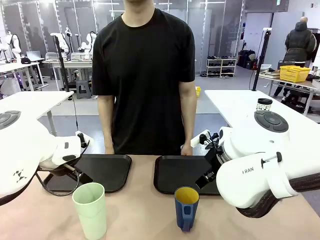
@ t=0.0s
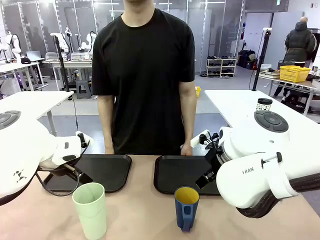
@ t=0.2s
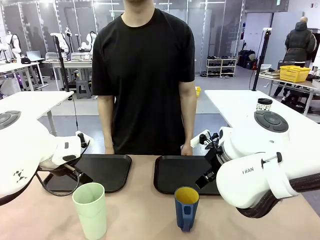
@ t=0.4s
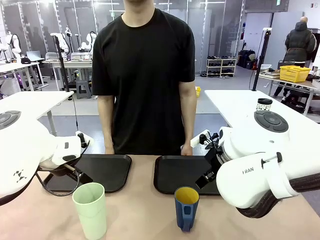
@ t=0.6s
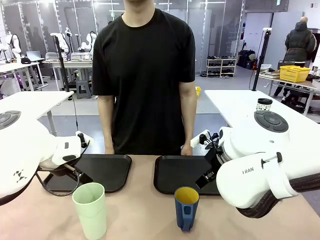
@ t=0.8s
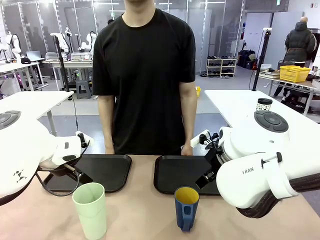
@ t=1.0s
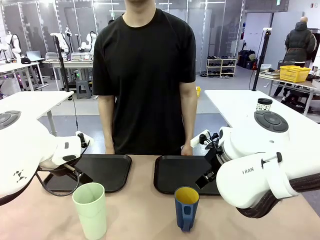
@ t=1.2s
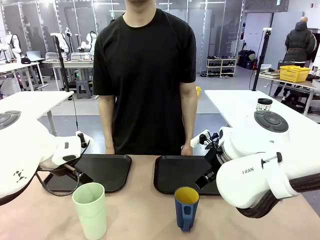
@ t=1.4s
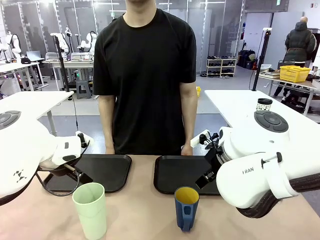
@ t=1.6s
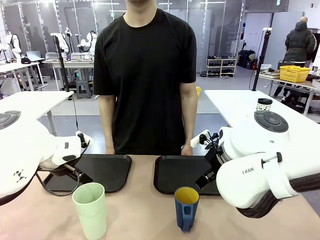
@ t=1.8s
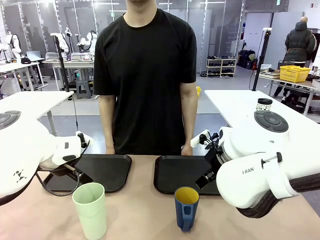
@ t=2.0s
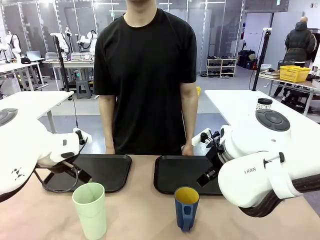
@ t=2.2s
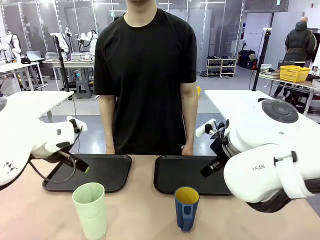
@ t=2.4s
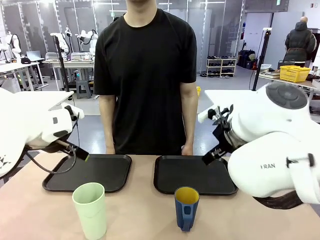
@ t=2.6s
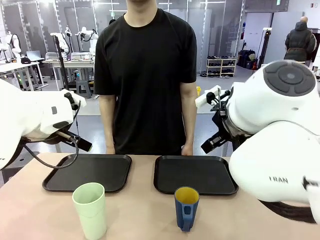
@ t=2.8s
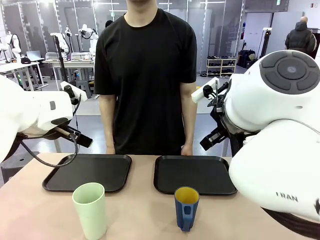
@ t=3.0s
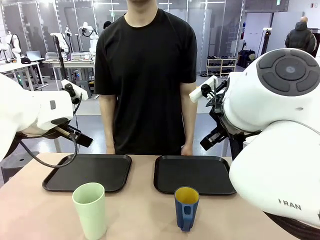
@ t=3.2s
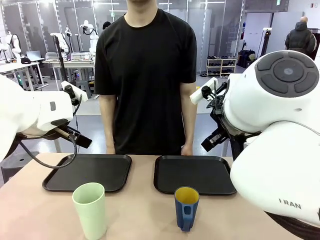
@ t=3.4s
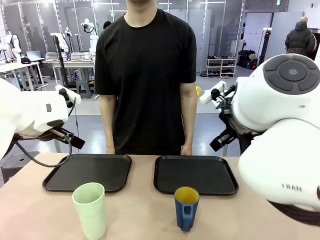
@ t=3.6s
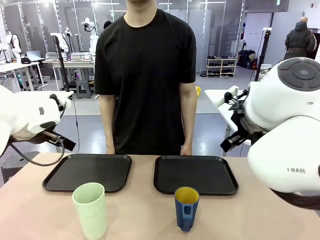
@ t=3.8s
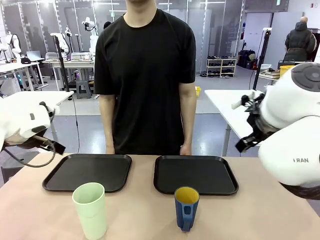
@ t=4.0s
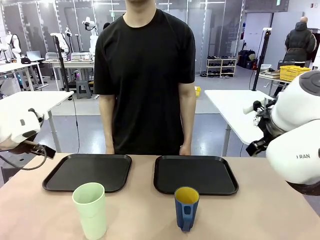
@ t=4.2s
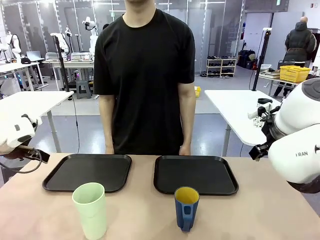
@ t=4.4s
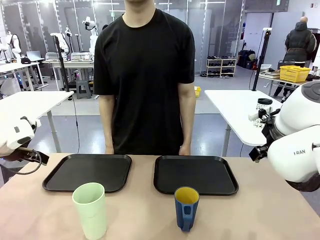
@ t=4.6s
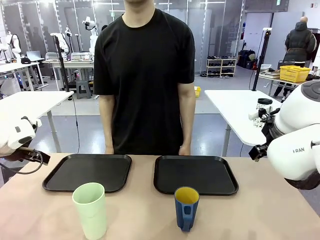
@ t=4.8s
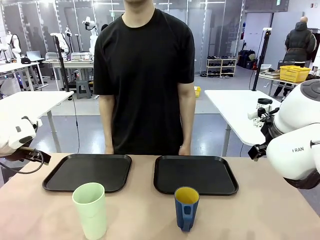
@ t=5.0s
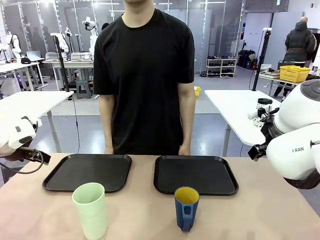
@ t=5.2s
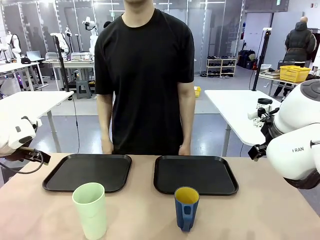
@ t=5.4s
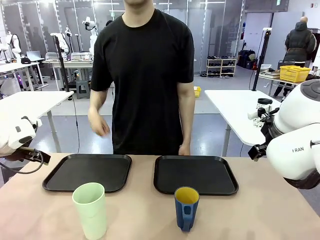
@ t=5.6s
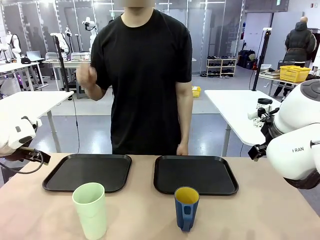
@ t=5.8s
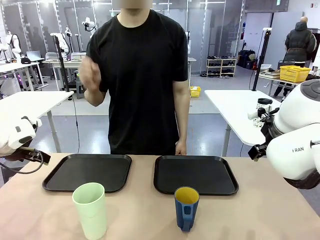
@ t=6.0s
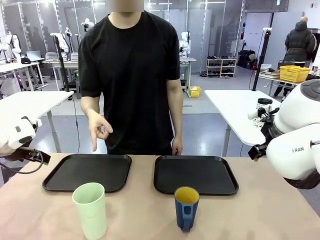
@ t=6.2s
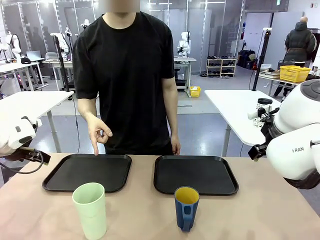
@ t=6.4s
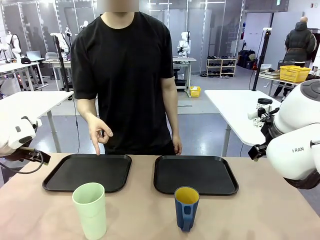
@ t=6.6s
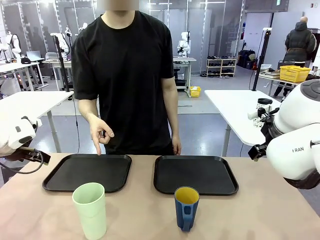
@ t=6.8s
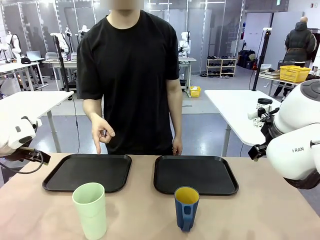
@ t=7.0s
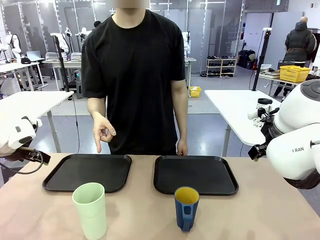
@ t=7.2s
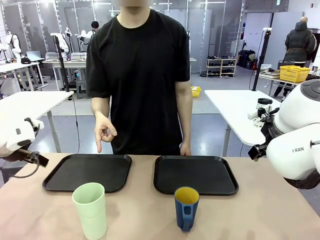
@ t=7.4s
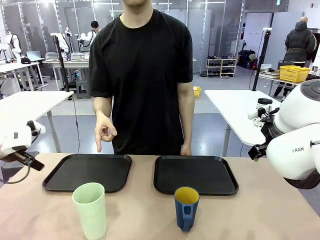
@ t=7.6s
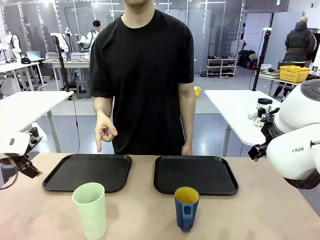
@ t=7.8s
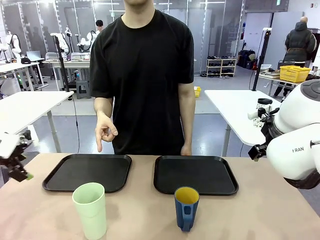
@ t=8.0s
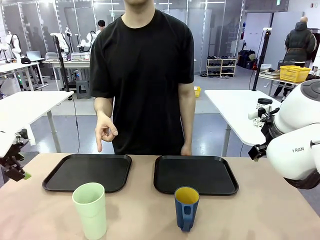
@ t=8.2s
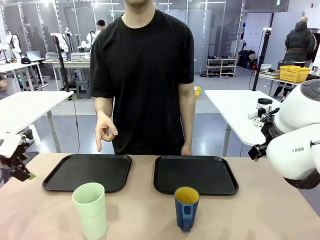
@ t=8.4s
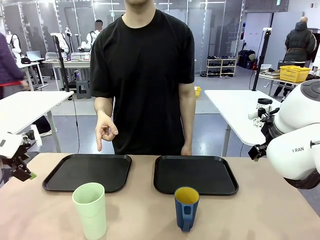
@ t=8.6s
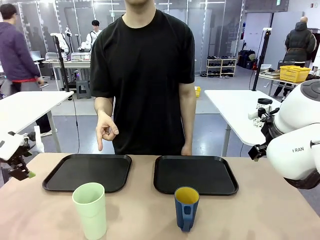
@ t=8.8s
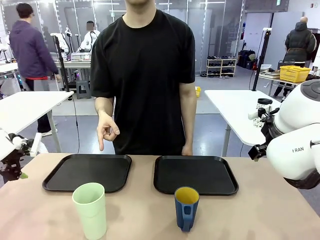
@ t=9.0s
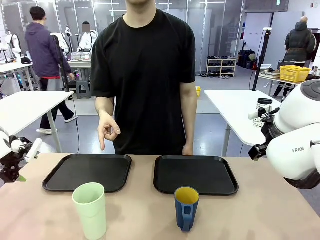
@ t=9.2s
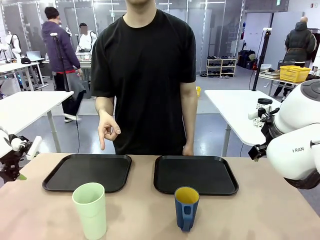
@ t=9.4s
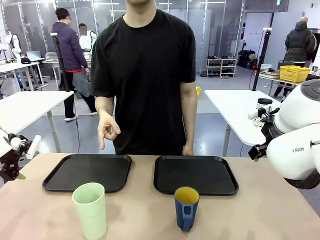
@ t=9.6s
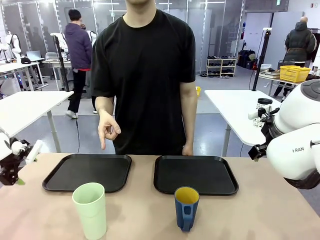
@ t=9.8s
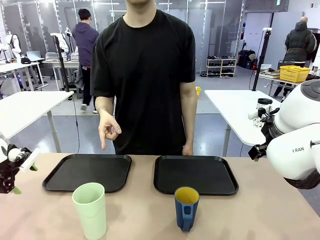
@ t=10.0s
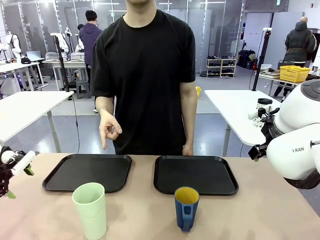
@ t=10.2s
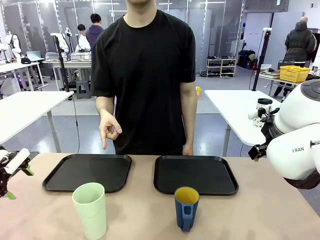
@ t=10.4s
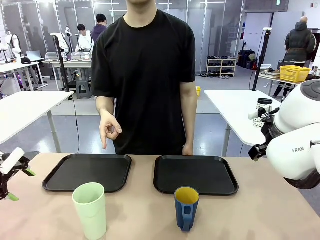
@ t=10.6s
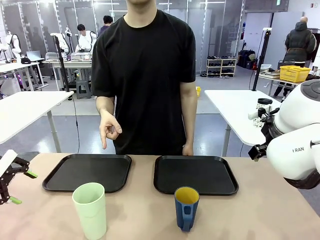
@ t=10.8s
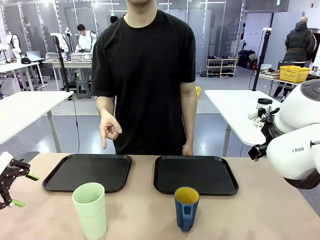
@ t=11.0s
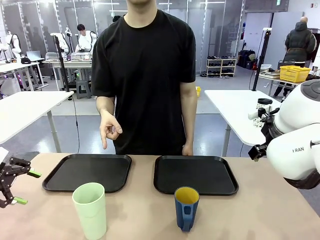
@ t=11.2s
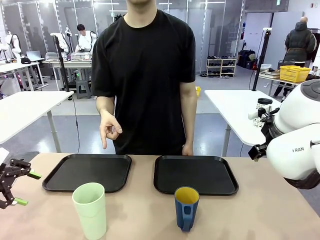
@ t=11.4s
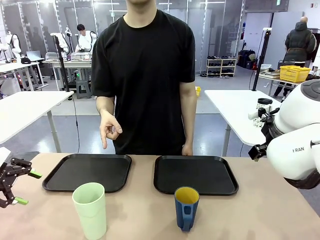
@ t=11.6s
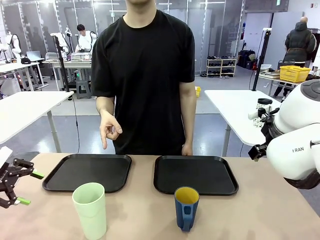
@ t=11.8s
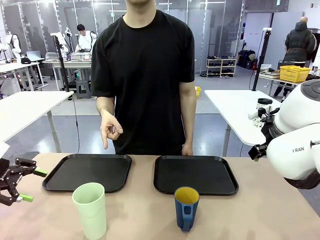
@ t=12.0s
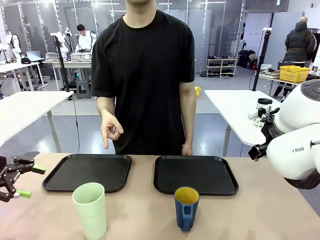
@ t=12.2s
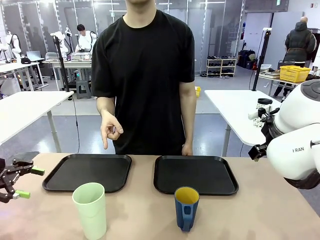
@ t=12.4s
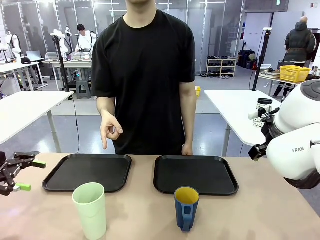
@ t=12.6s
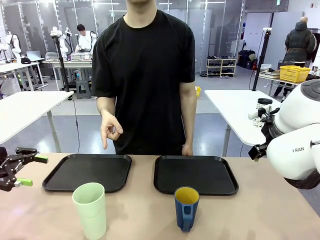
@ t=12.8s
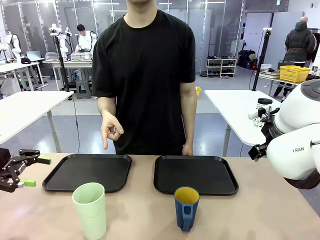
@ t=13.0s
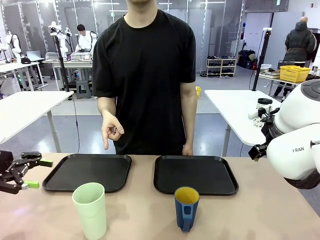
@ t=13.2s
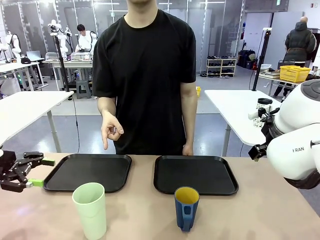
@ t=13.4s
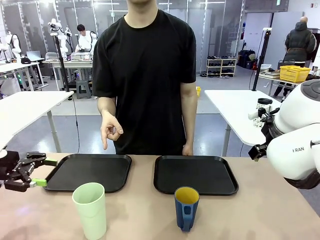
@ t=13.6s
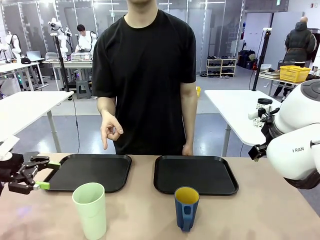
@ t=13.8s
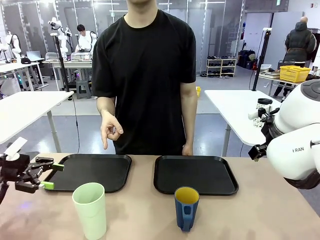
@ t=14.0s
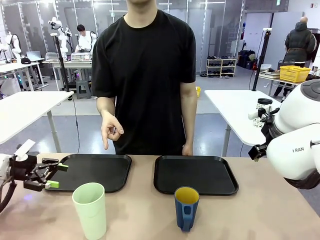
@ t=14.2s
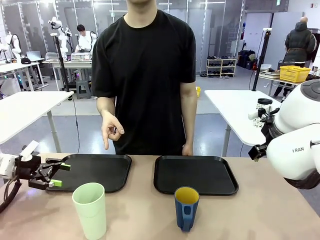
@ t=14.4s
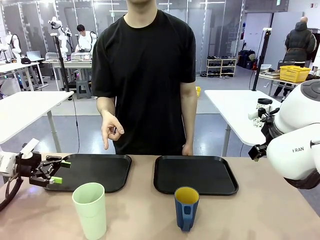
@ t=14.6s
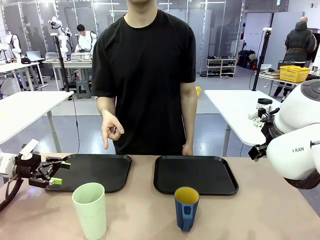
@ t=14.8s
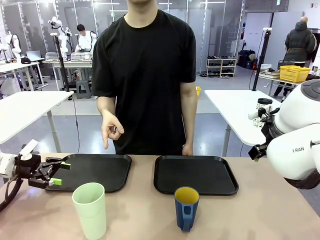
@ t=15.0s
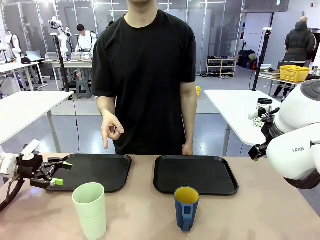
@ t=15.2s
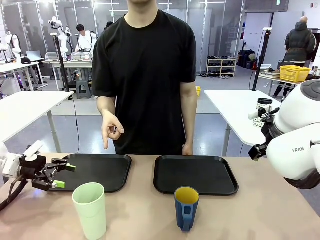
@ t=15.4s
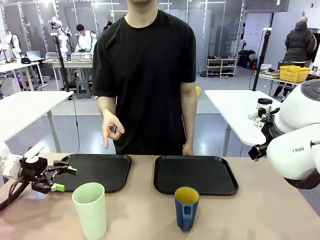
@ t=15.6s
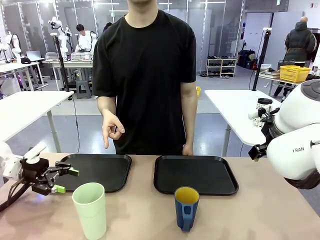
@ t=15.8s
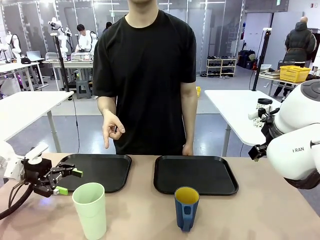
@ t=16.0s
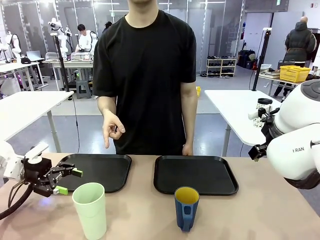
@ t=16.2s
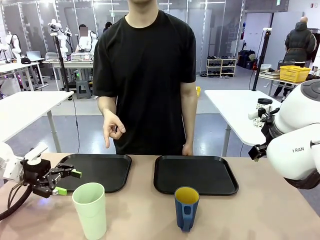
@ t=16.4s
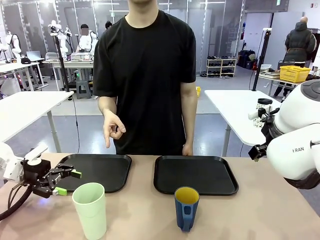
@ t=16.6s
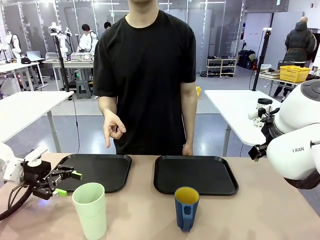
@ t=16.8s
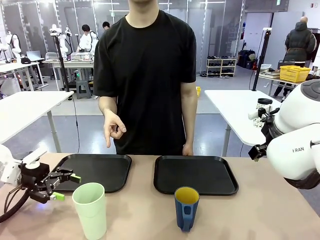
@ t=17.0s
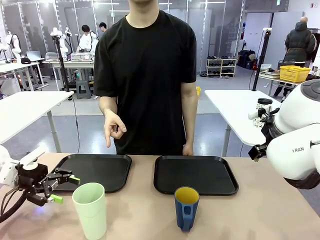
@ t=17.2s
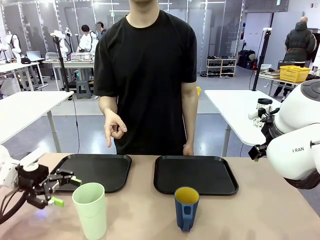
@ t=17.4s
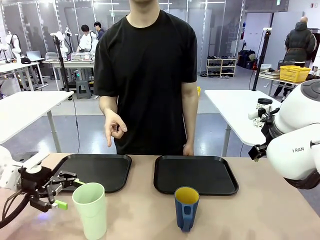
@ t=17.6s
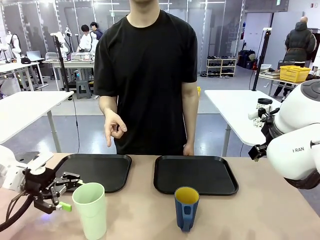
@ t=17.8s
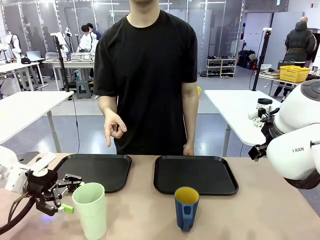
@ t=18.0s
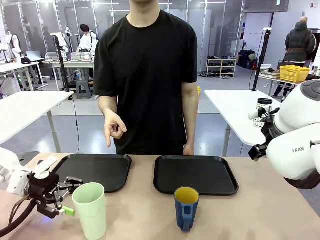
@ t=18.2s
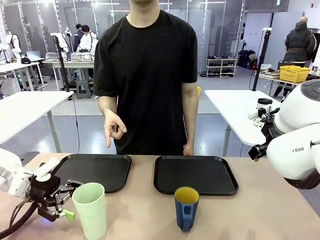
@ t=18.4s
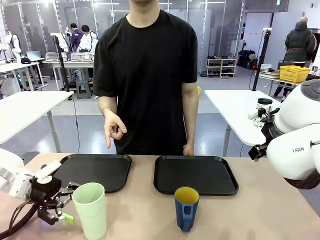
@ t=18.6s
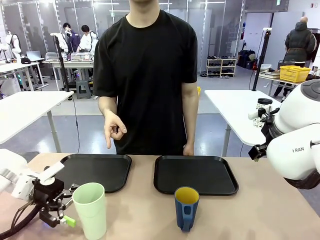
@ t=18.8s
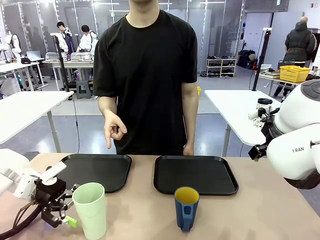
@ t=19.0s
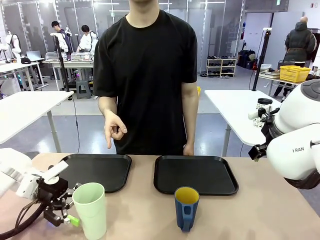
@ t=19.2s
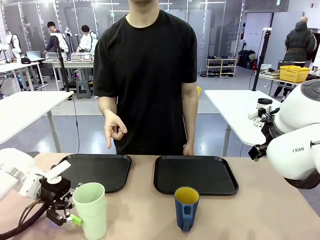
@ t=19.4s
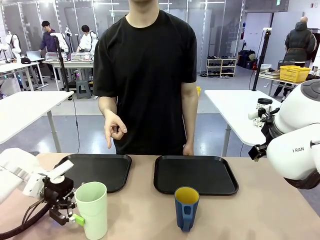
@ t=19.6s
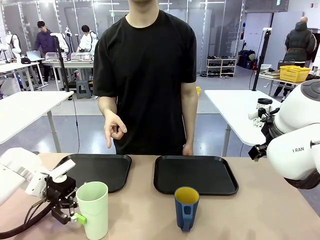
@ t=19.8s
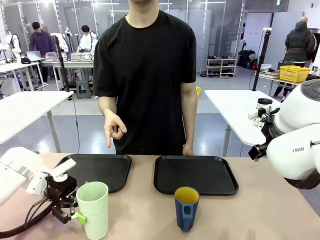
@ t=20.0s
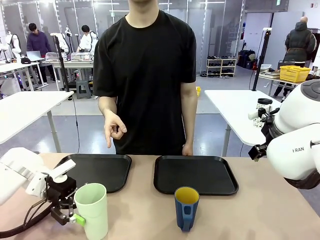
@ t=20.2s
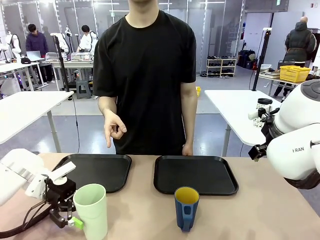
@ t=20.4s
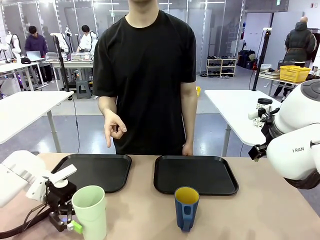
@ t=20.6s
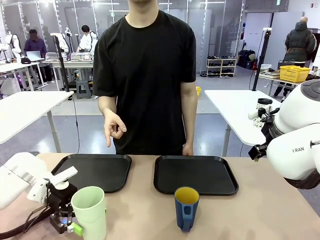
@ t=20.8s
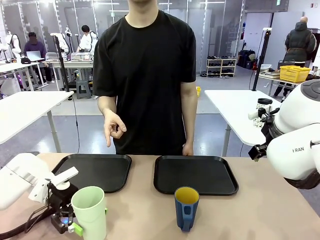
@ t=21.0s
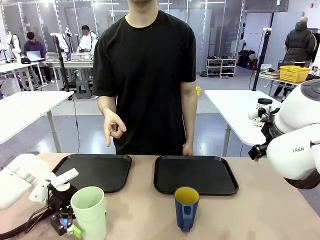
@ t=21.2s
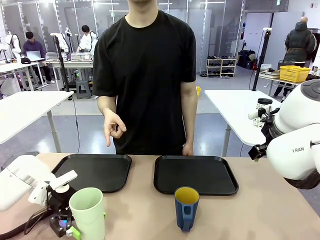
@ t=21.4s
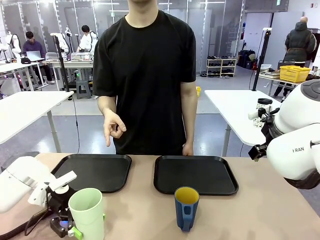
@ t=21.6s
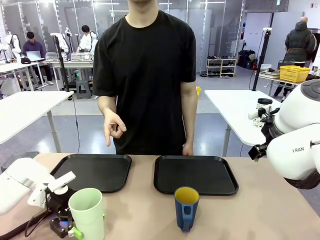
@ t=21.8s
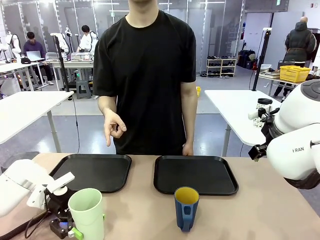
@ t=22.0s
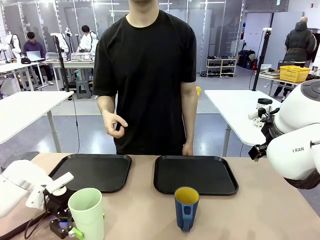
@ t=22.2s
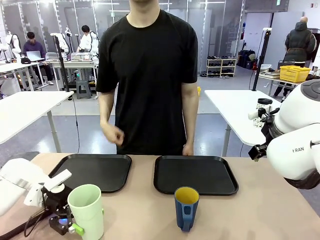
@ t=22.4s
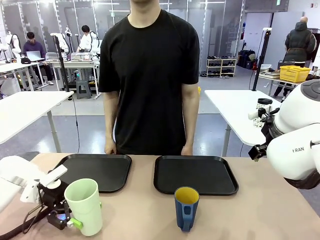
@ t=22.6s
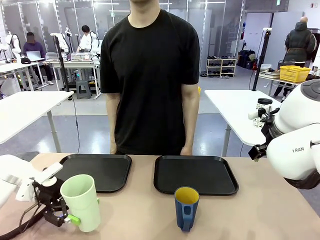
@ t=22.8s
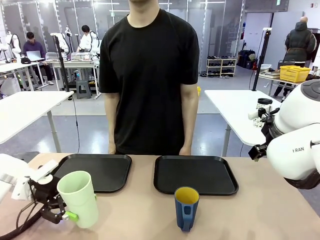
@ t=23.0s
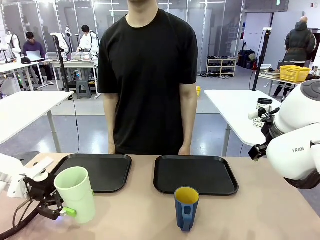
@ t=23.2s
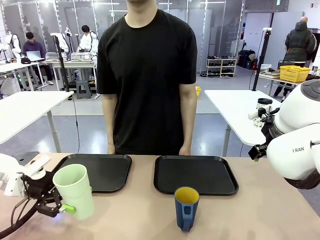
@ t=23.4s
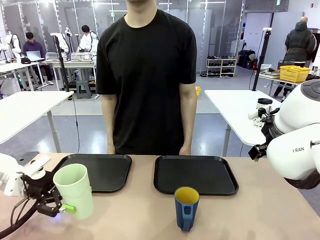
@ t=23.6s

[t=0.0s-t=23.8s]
Task: Sort and store the cups by type.
Robot: Pick up the Reusable plastic cup.
Person: Points to the reusable cup. Point to one of the two trays.
